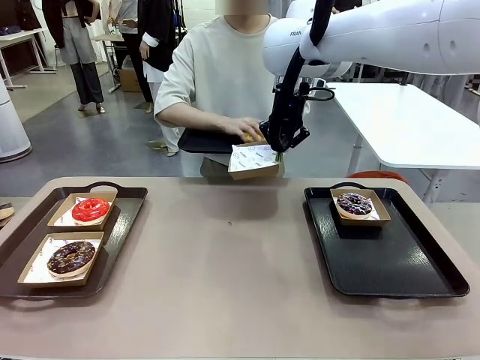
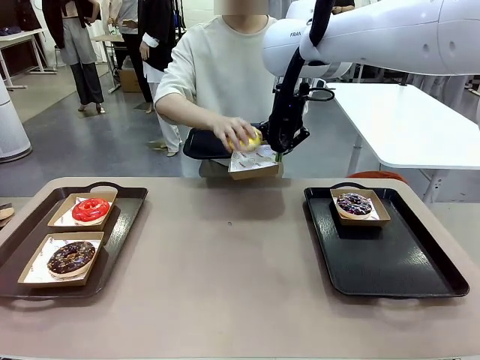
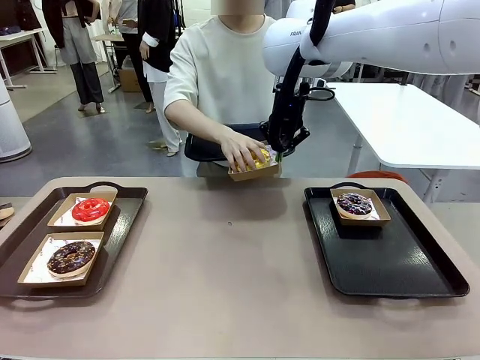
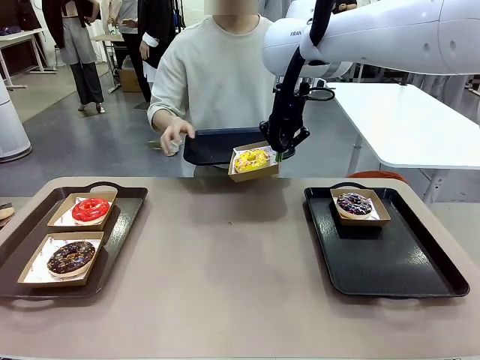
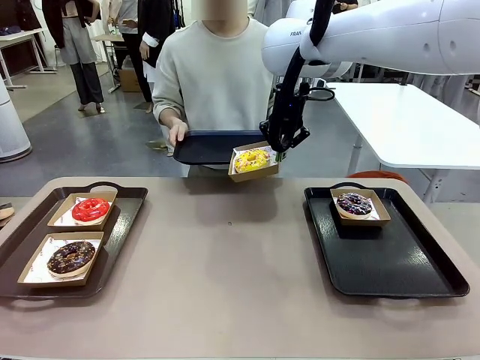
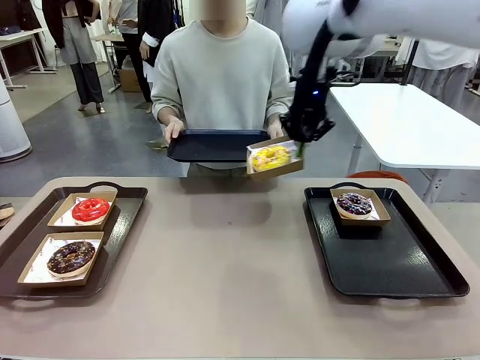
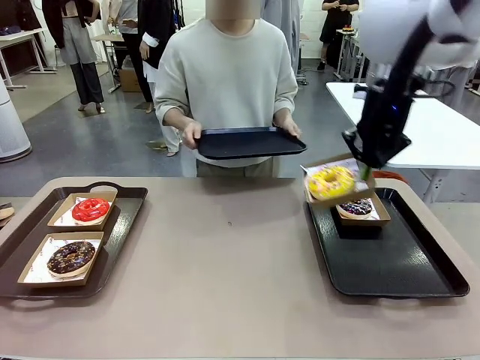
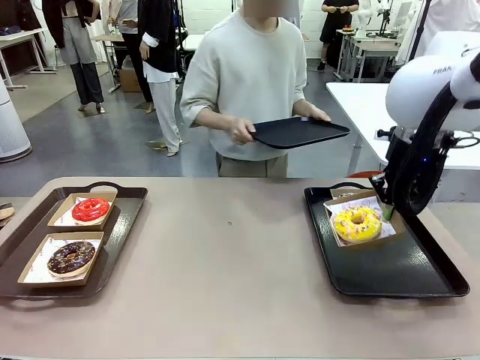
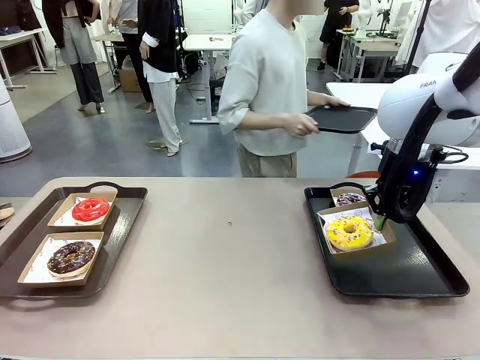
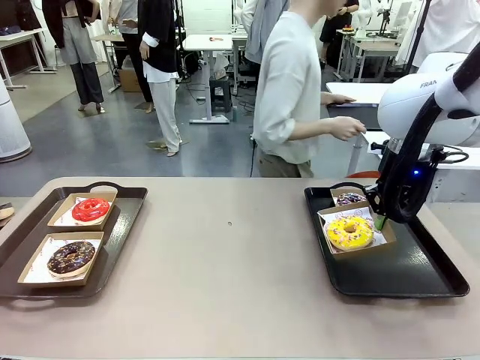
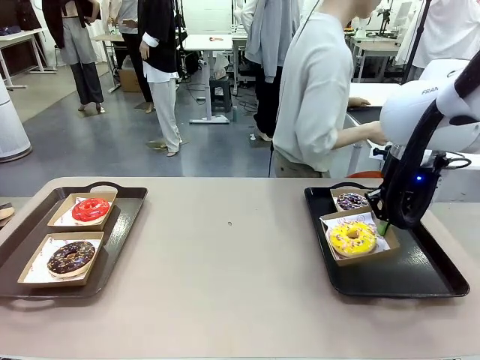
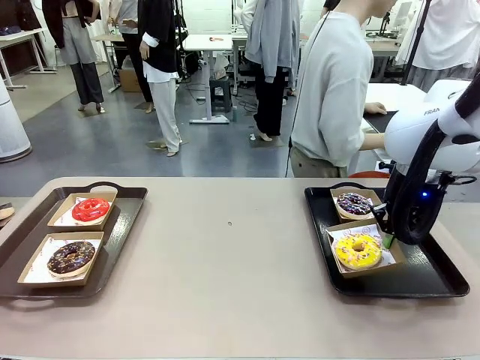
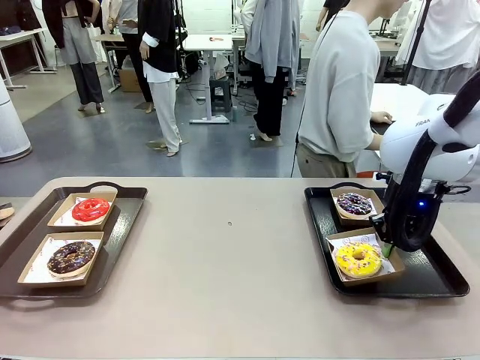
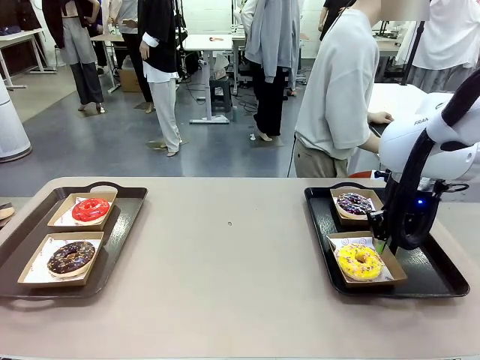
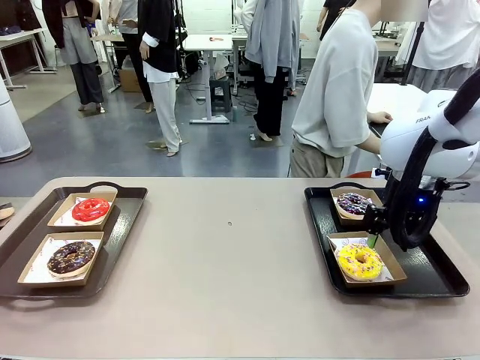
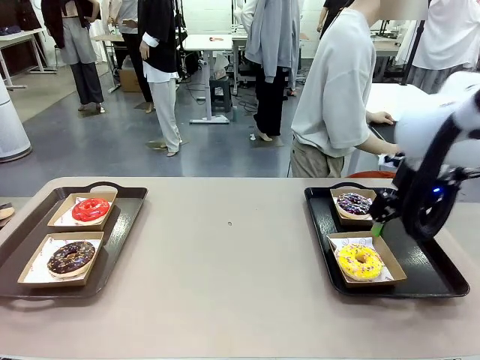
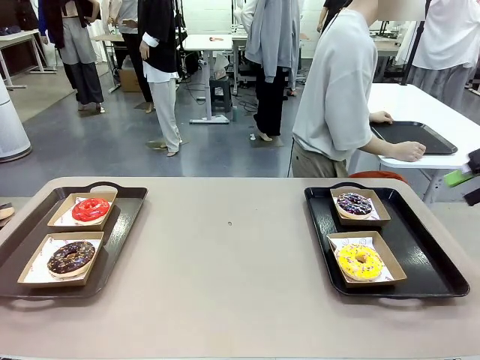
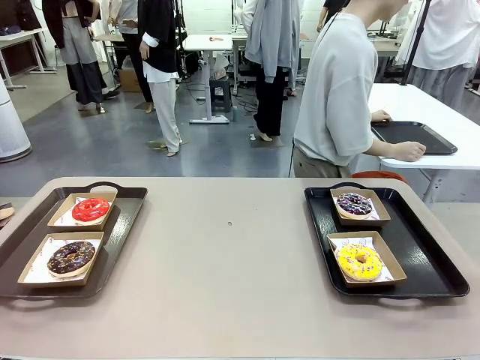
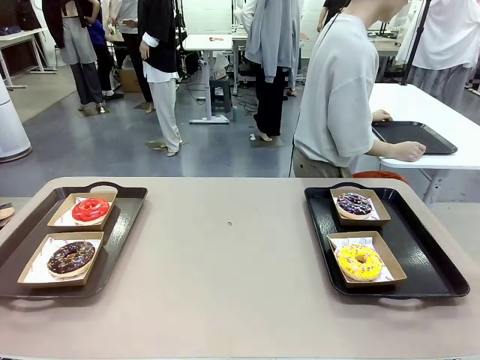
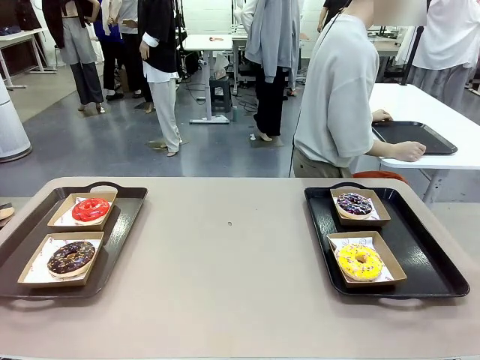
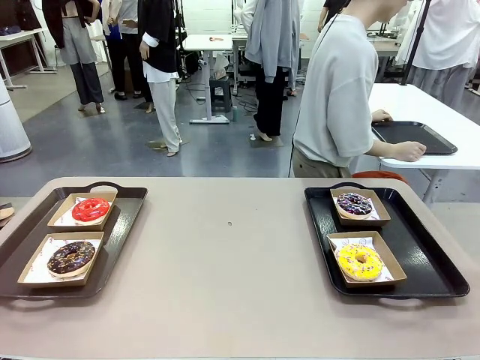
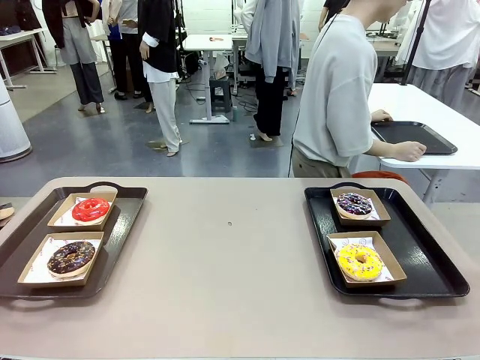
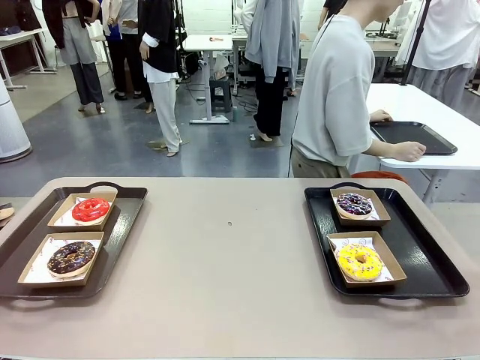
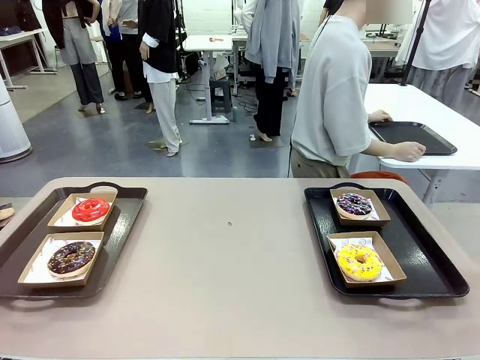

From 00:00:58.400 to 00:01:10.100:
Task: Individually package the donuts and arrange them on the tray.
Robot: Place the picked Paper togo box on the Handle tray.
Person: Place the tray down in the middle of the human table.

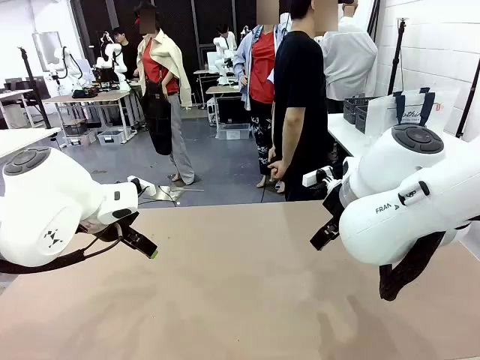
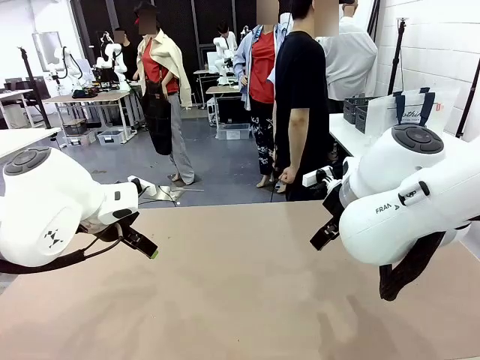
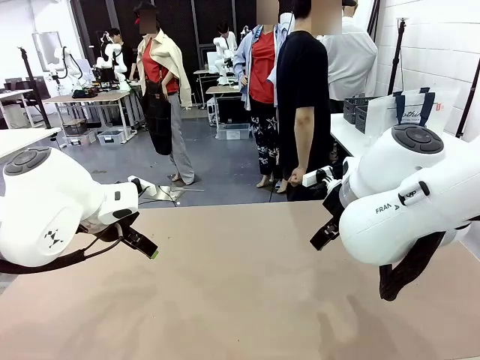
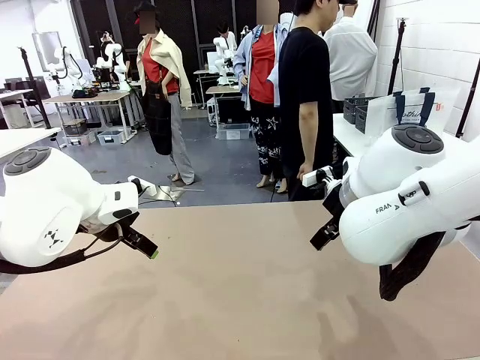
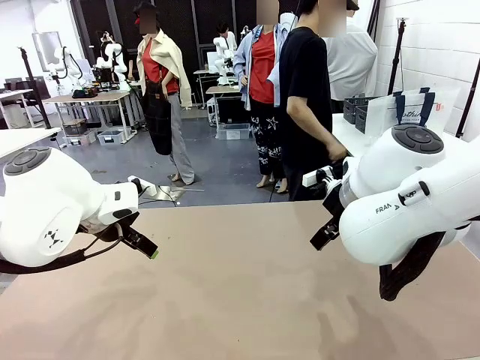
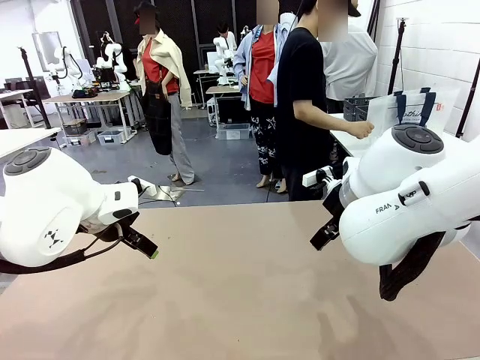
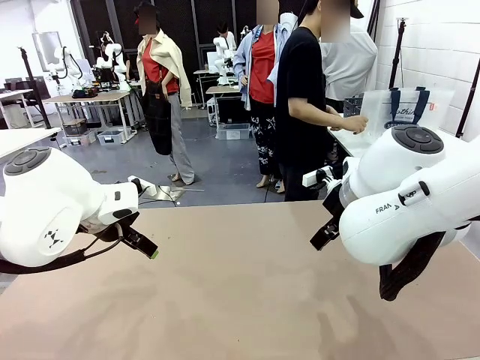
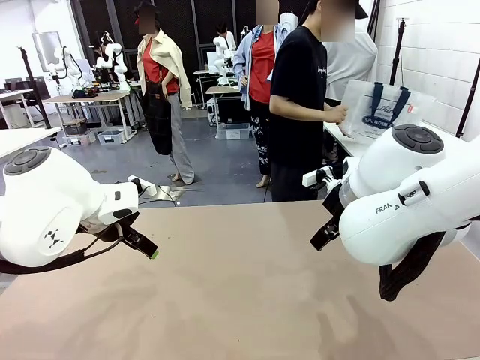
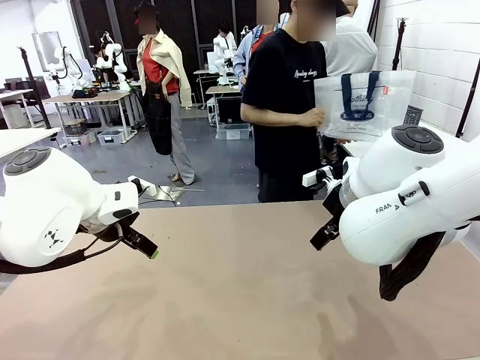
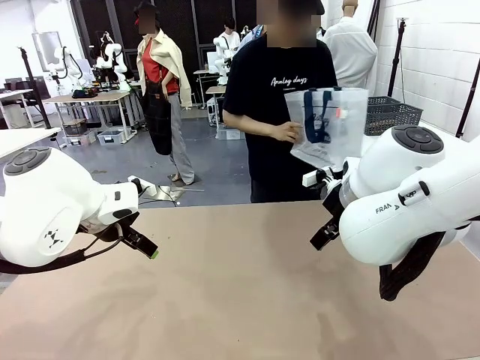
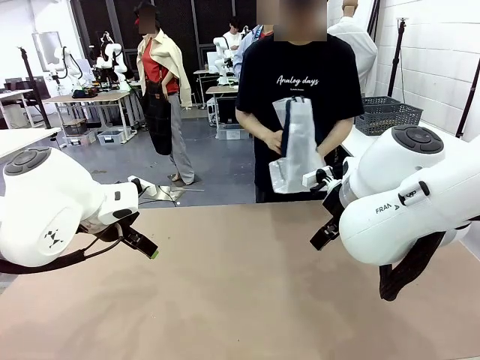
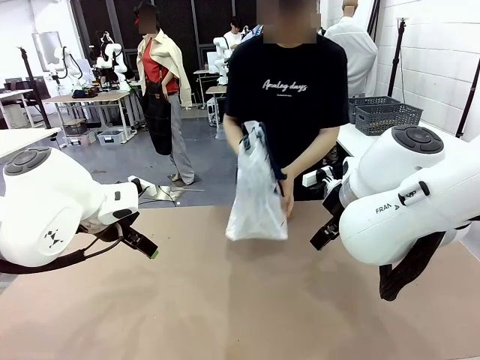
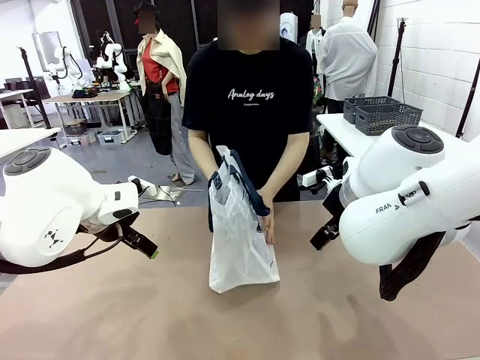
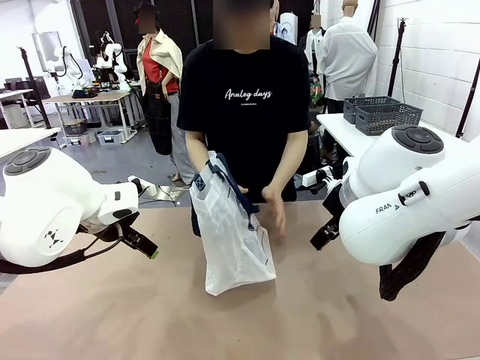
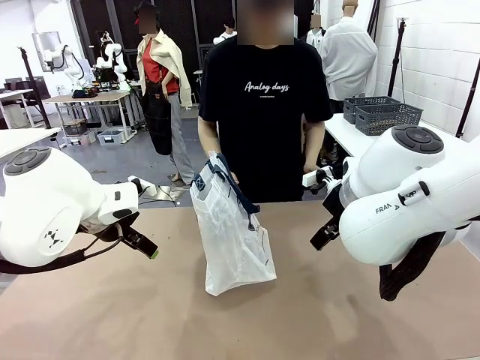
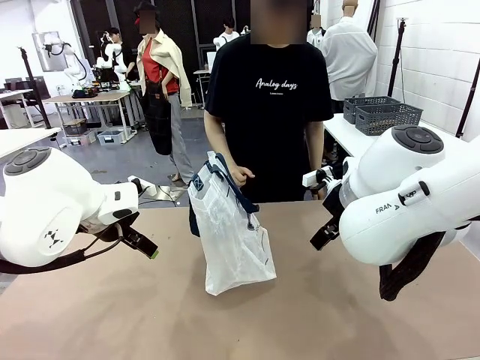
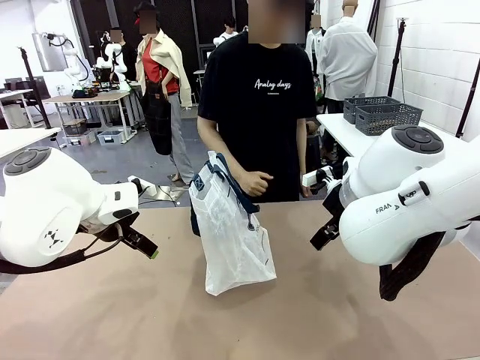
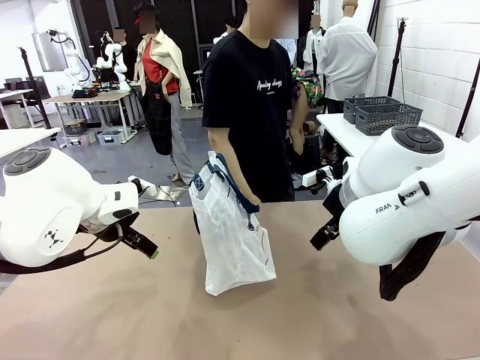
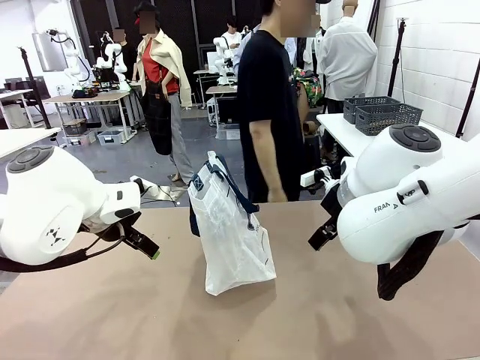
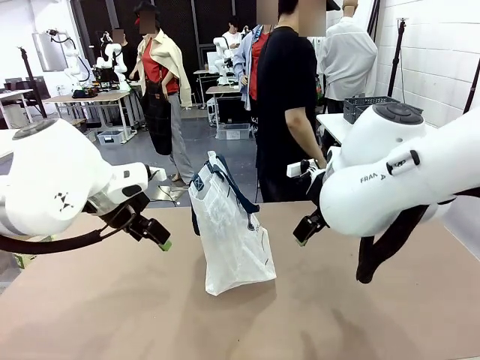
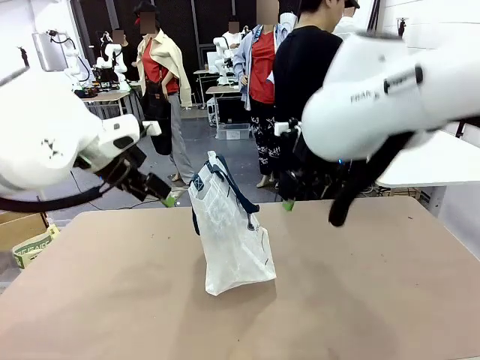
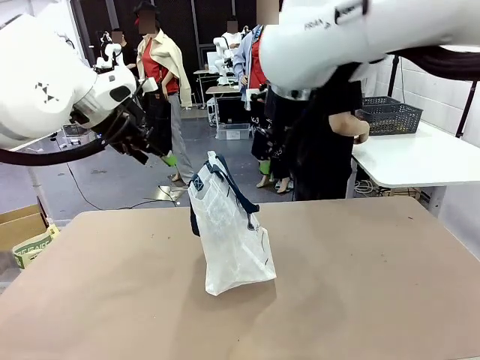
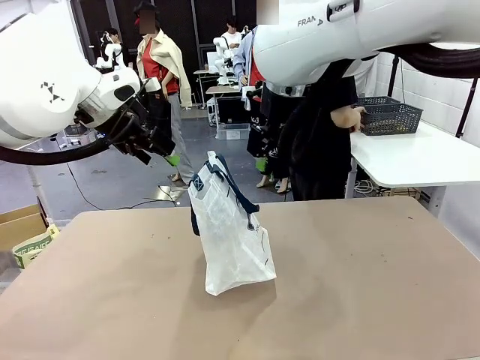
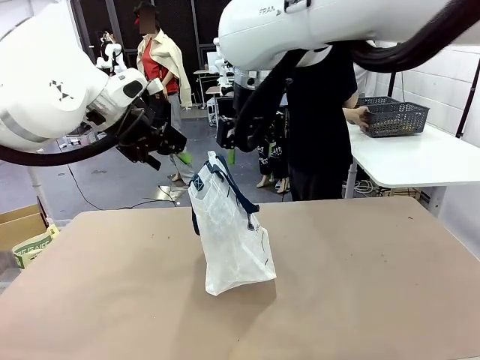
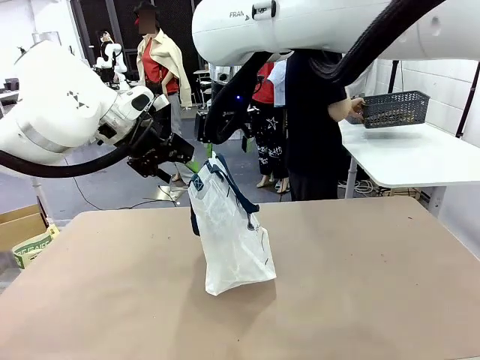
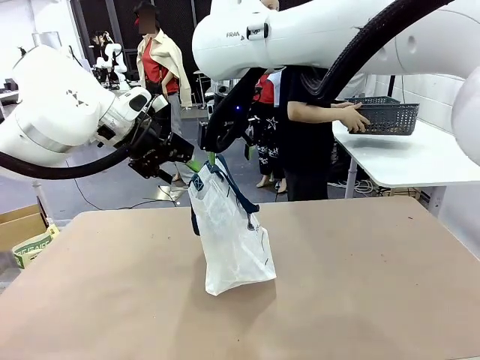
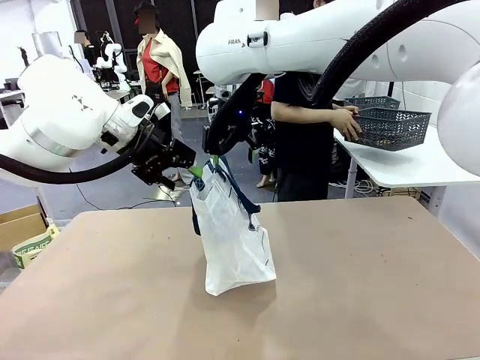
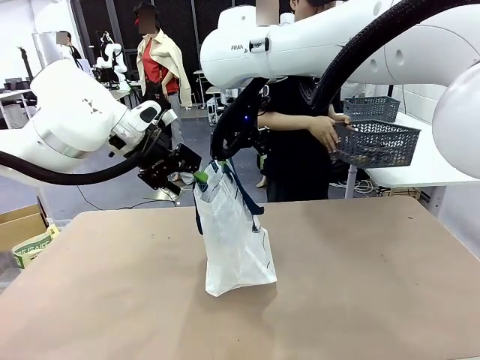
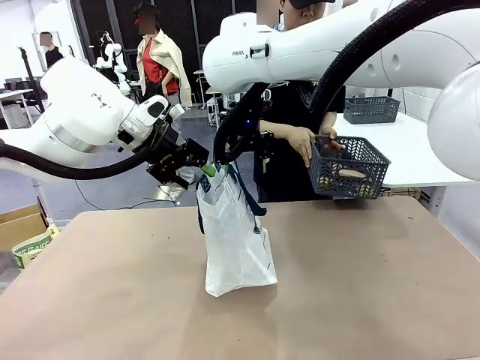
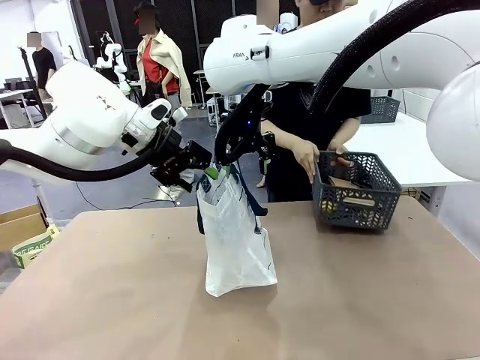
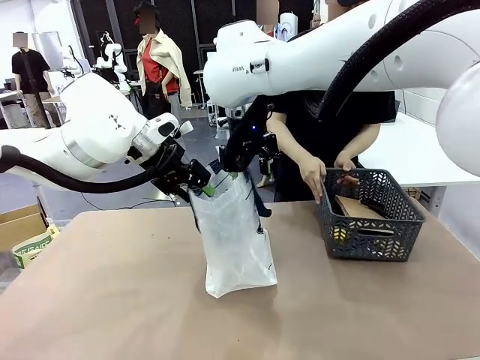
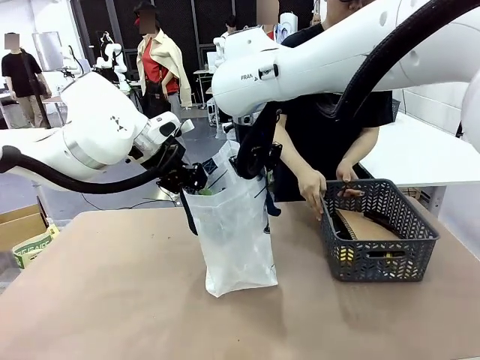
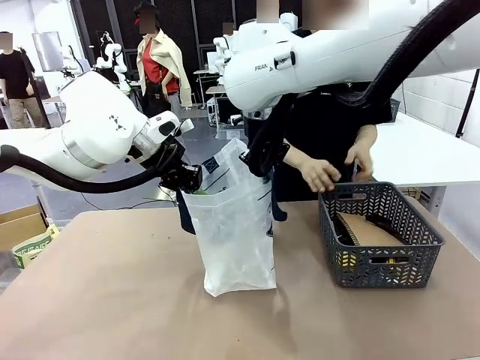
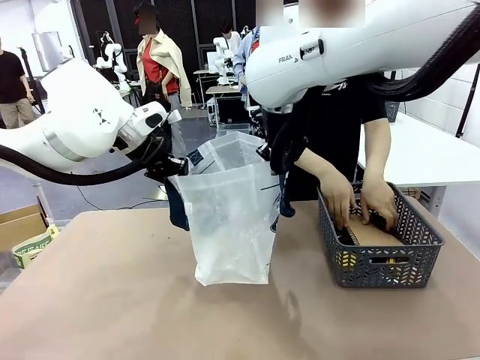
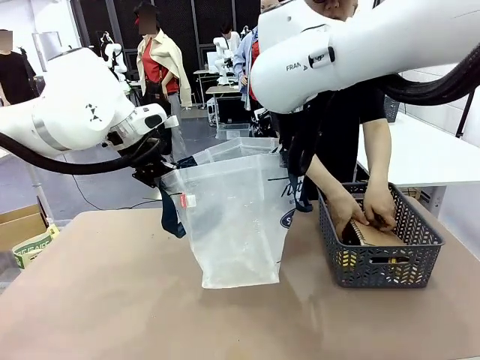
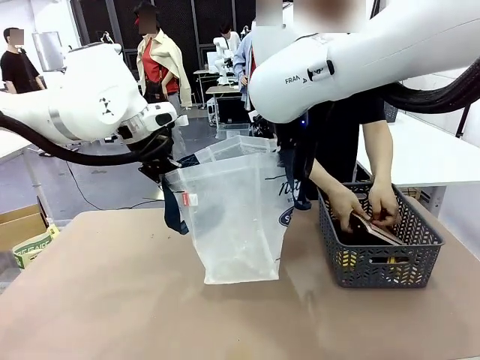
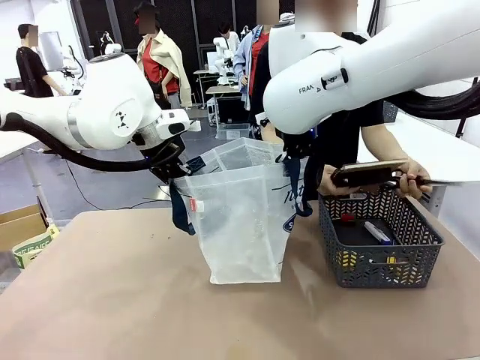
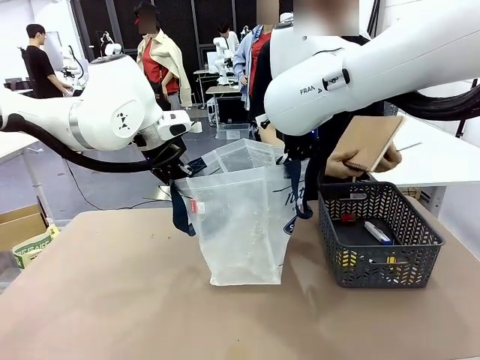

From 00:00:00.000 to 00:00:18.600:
Task: Transfer purchased items from the store into the shopping bag.
Robot: Open the Reusable shopping bag in the center of the table.
Person: Pick up the shopping bag and place it in the middle of the robot table.
